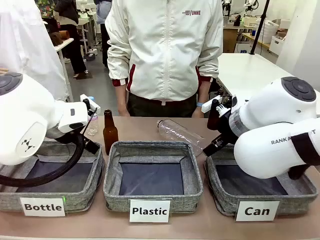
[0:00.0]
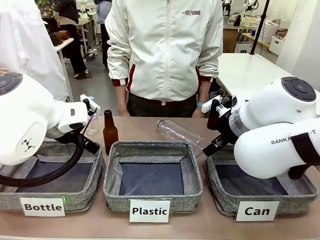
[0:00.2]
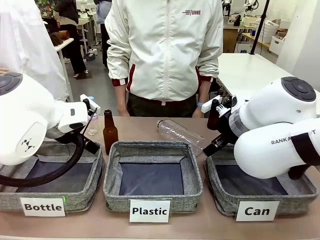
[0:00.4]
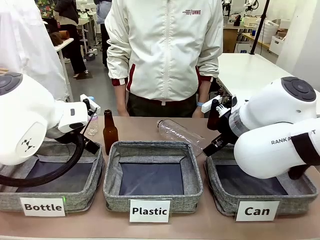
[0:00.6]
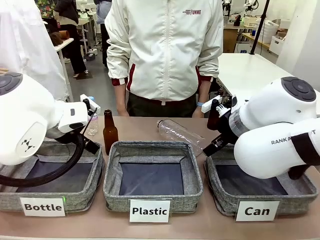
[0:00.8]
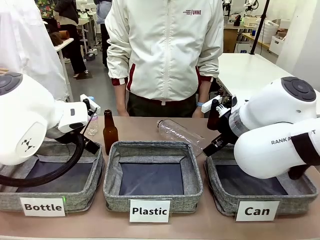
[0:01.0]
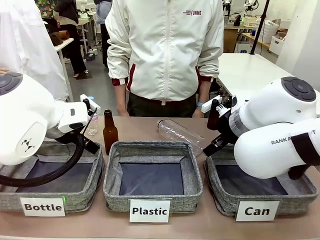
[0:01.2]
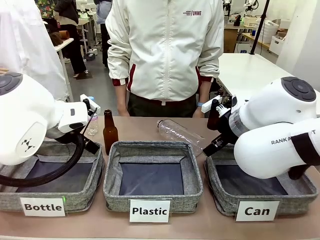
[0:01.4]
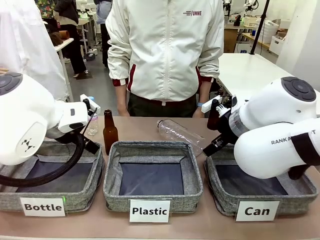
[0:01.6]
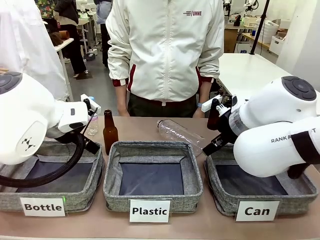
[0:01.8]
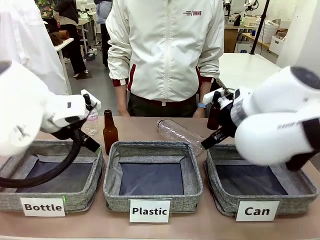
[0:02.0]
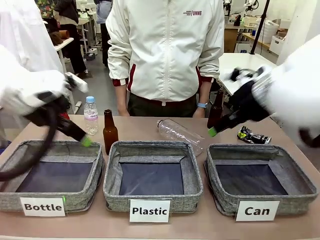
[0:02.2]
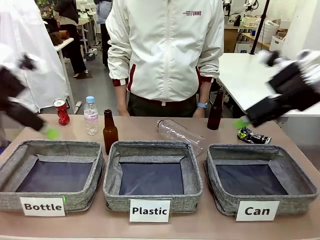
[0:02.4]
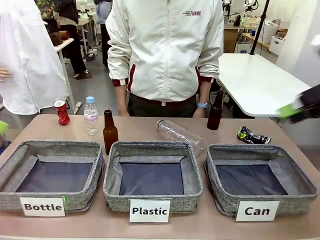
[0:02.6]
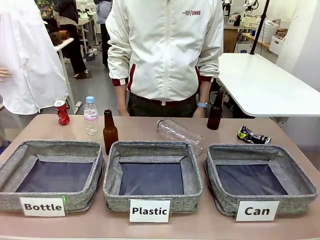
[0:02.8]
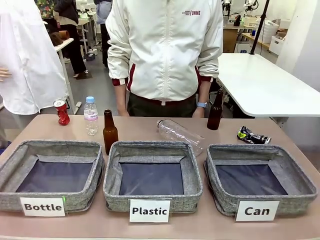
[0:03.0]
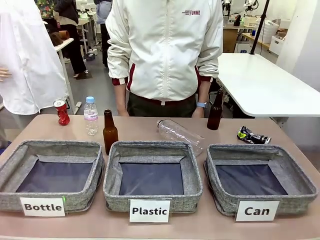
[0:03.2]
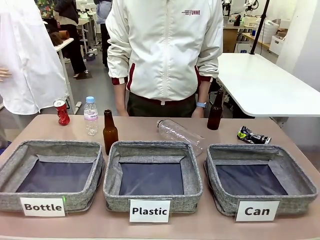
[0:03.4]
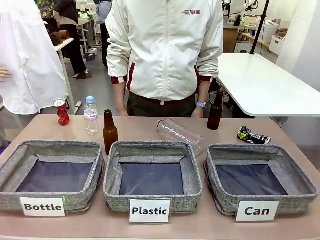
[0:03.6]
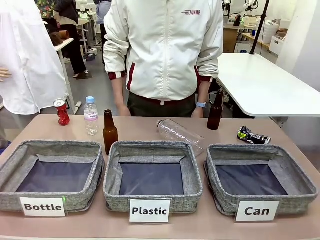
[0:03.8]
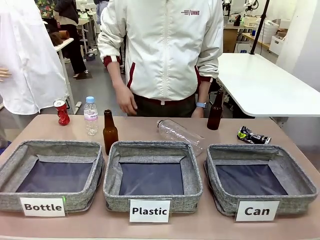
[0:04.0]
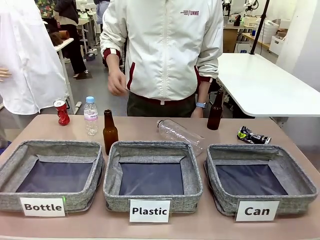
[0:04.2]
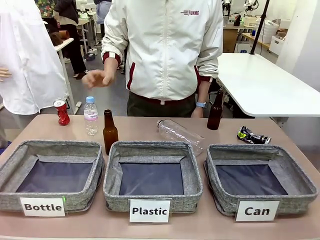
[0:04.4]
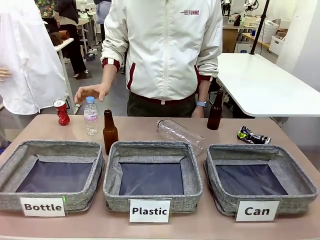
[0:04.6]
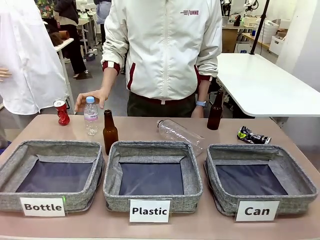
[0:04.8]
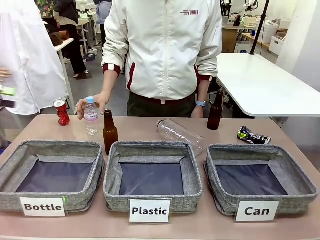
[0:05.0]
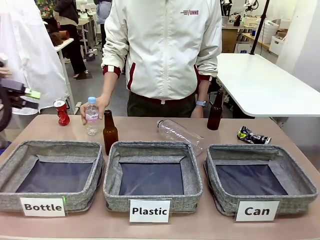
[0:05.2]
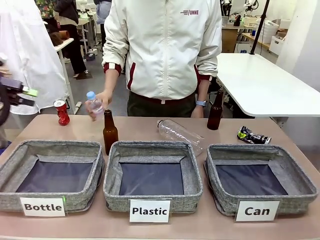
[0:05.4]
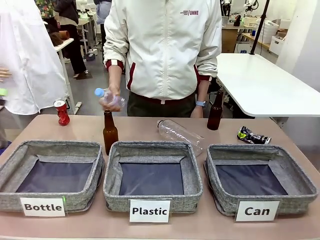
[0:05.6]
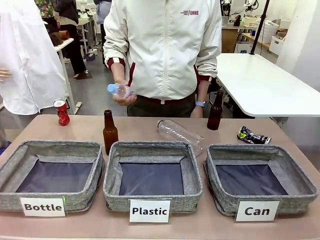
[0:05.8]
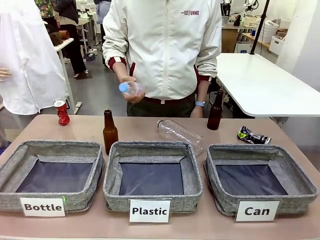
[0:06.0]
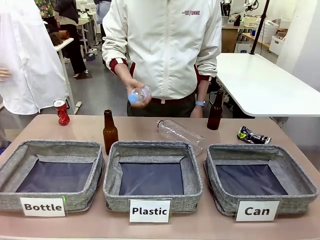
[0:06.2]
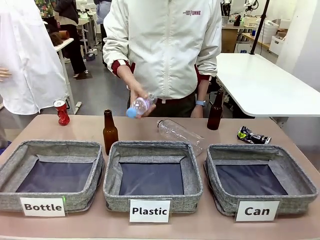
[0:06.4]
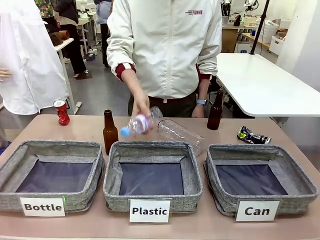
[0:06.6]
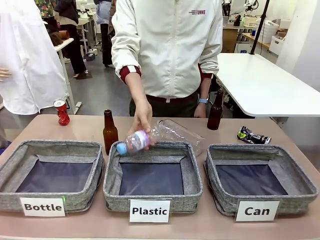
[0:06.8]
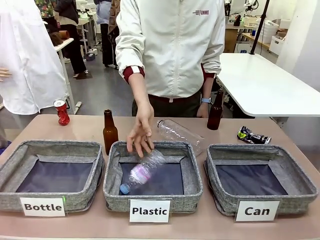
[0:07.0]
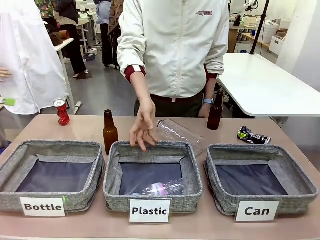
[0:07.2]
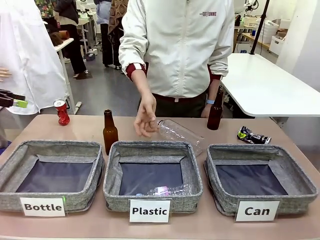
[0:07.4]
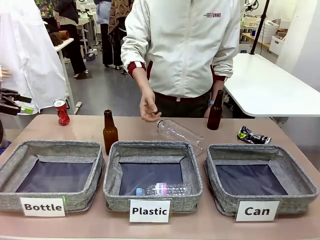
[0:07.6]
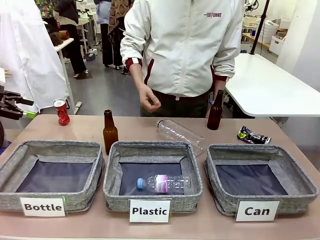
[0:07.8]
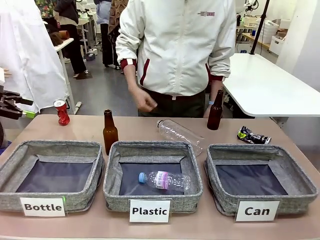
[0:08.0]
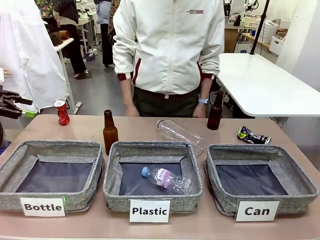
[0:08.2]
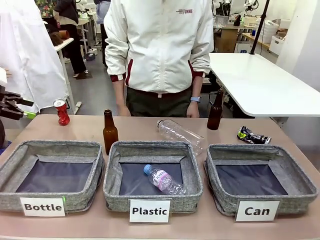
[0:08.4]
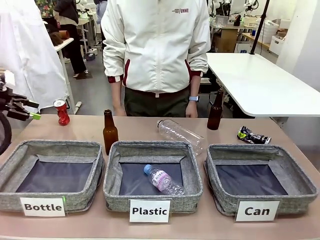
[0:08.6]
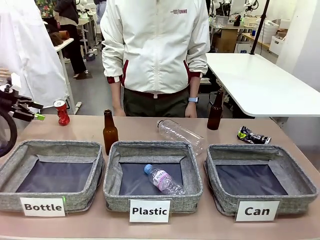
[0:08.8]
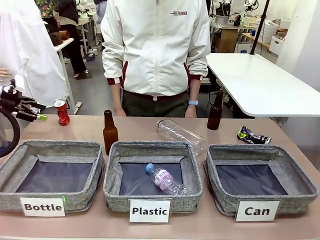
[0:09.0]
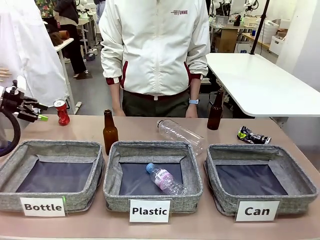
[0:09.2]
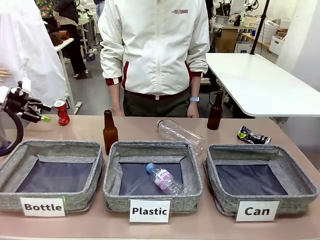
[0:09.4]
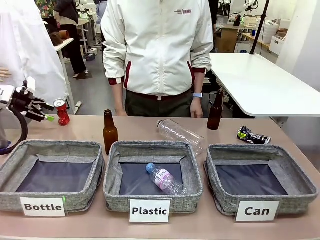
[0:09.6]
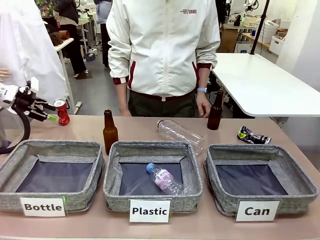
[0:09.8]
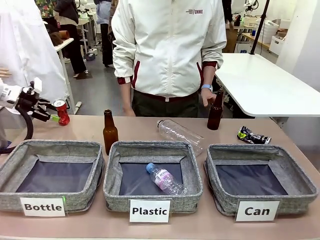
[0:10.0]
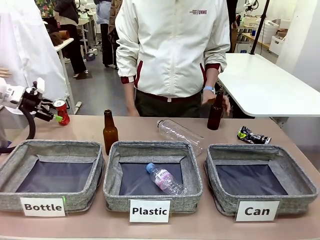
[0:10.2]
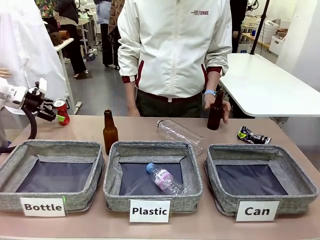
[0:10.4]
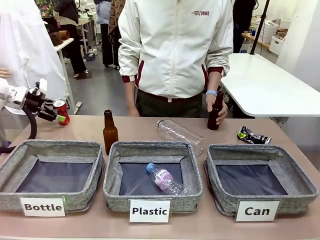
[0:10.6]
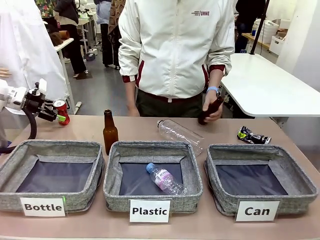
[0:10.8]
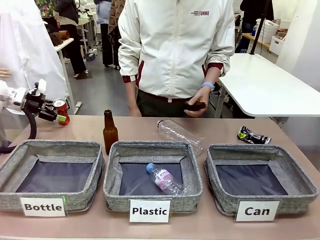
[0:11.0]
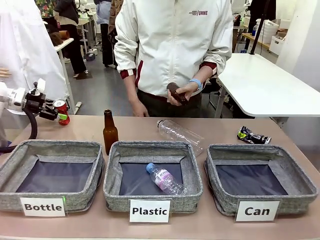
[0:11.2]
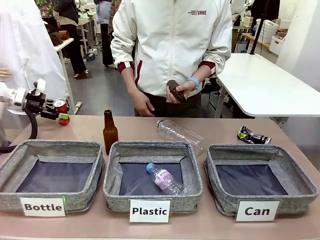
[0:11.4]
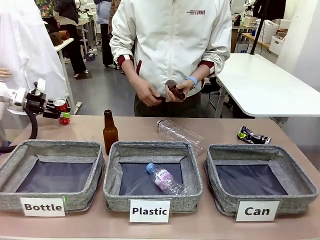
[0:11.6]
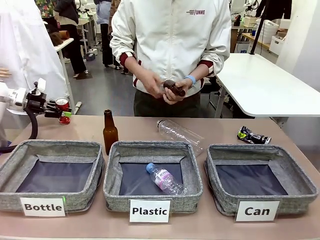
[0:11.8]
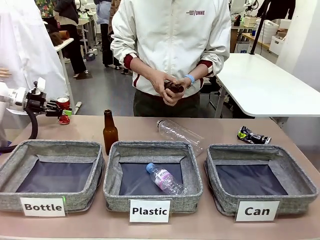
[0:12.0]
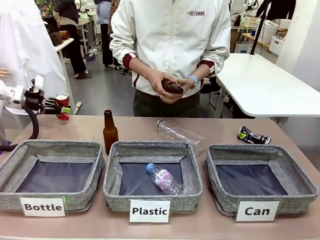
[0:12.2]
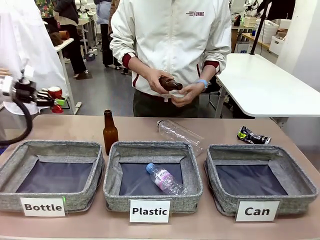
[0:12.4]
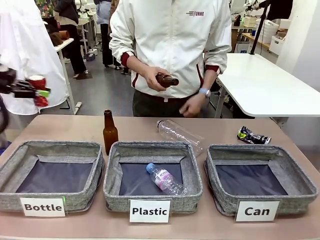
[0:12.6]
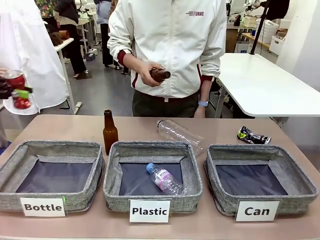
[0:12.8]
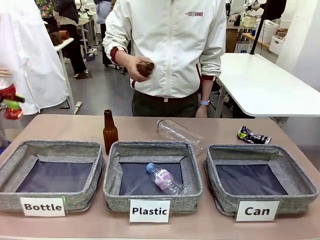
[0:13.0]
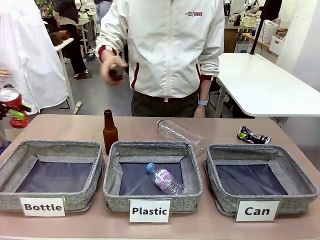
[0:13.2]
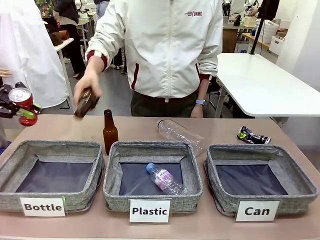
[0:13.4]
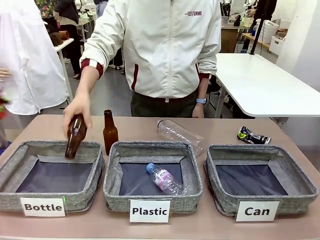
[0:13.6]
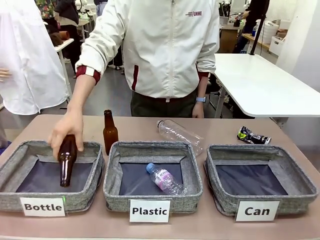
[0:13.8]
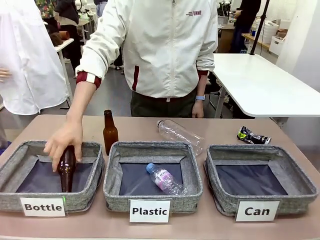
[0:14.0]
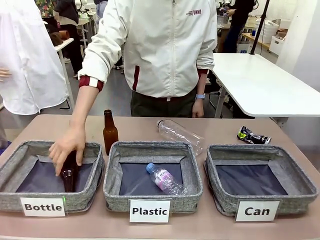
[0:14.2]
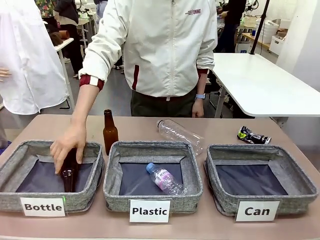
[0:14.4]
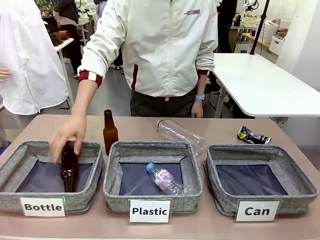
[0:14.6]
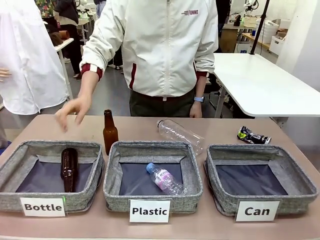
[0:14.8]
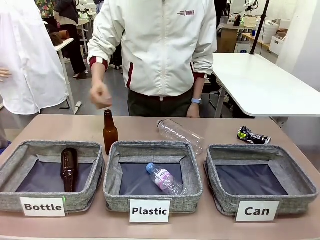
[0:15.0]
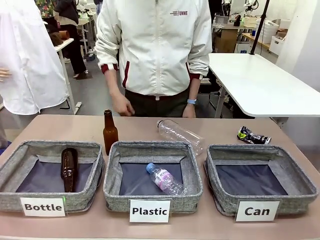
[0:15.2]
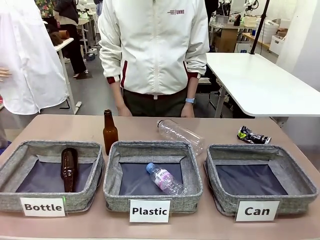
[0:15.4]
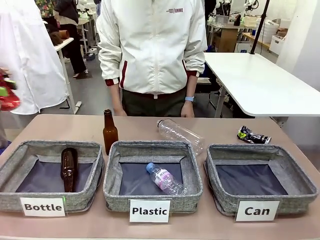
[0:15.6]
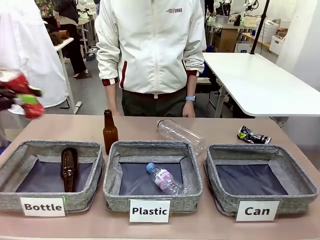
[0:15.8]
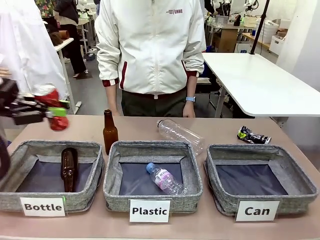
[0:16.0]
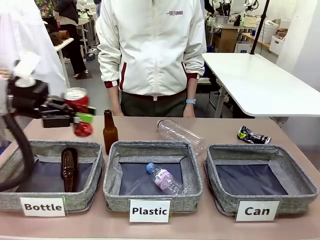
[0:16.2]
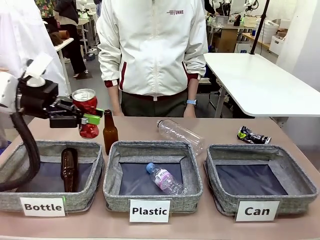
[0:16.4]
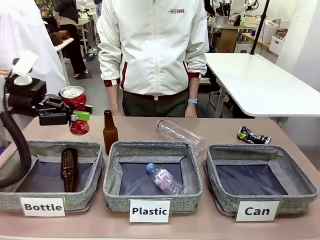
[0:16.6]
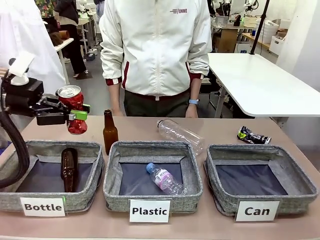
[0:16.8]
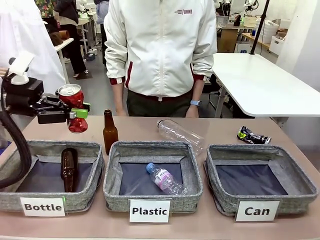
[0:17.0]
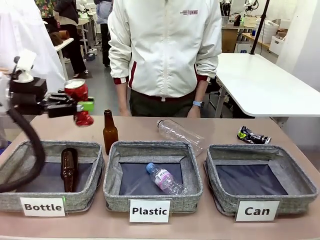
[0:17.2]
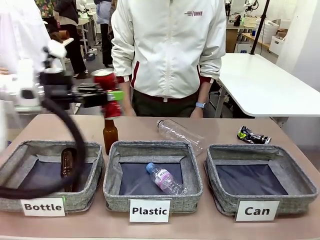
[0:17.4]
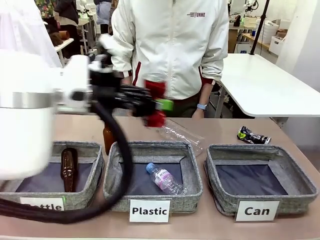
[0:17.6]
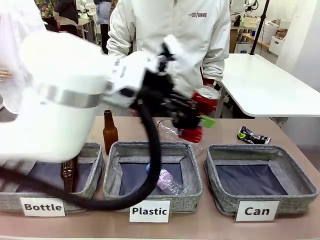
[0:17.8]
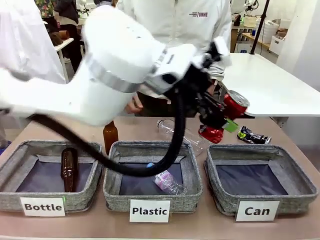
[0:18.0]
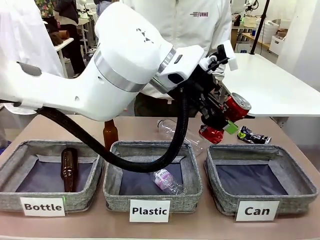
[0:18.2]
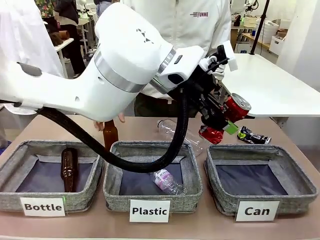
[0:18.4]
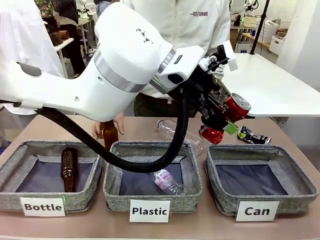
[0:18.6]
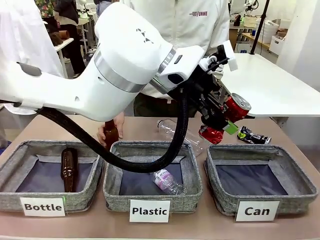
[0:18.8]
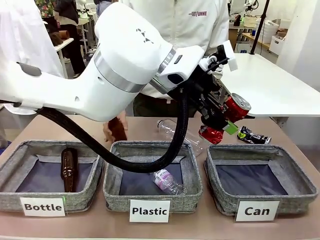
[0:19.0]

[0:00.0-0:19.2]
Task: Sort the can waste into the basket.
Robot: Pick up the can waste from the table and place it in the right Fabric basket.
